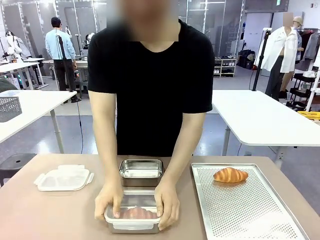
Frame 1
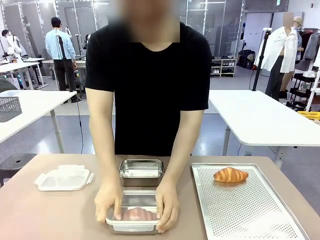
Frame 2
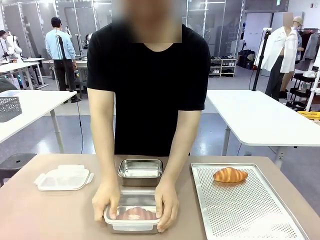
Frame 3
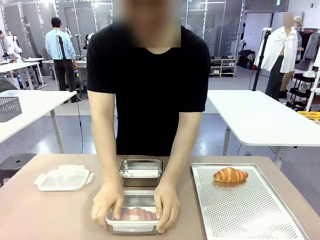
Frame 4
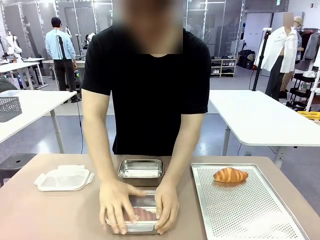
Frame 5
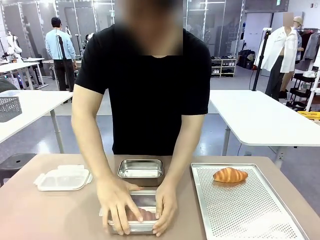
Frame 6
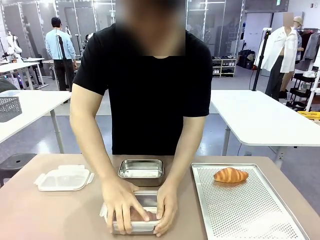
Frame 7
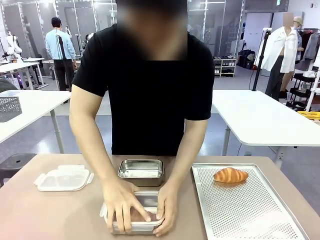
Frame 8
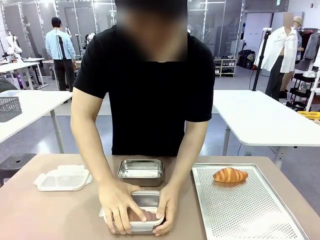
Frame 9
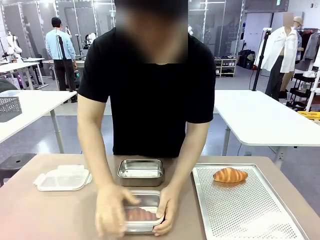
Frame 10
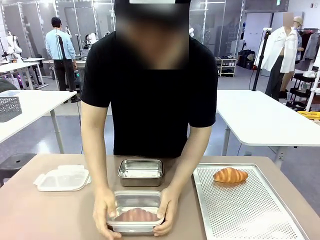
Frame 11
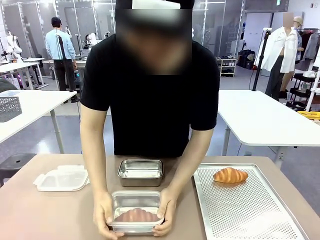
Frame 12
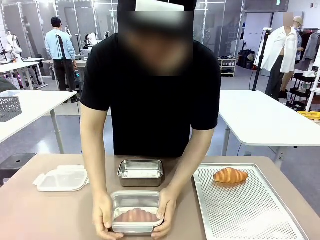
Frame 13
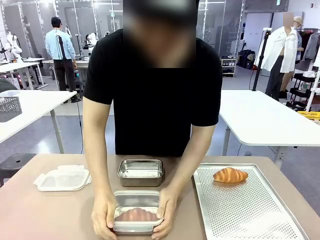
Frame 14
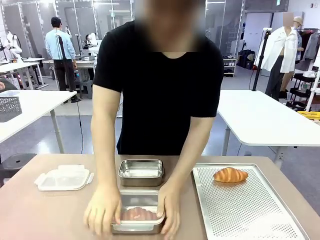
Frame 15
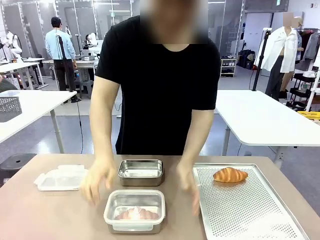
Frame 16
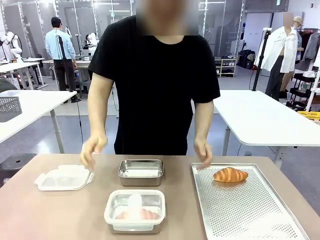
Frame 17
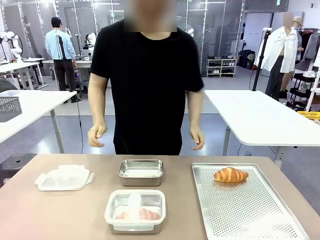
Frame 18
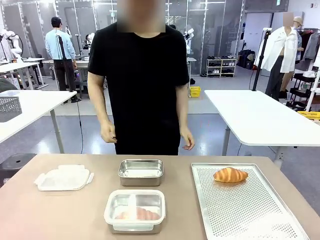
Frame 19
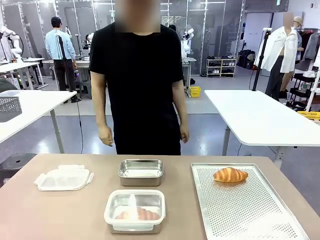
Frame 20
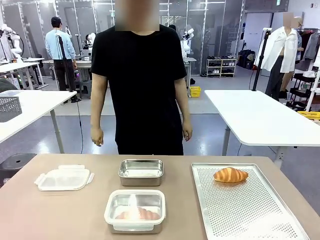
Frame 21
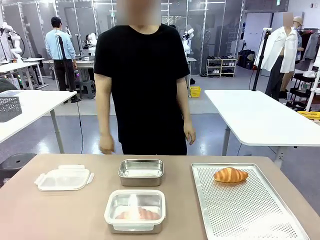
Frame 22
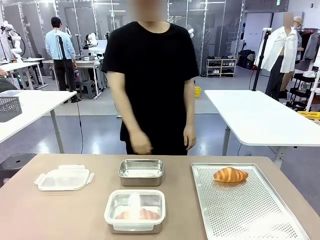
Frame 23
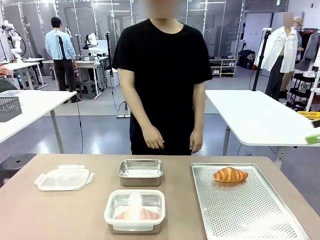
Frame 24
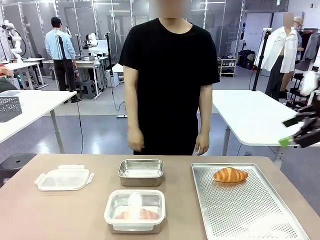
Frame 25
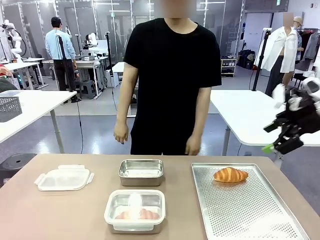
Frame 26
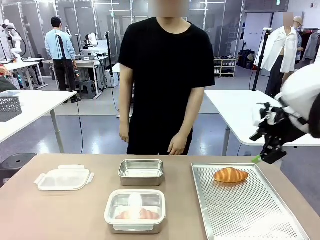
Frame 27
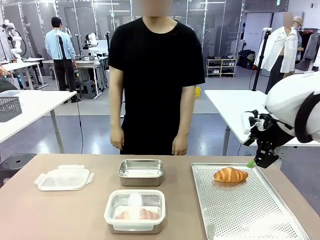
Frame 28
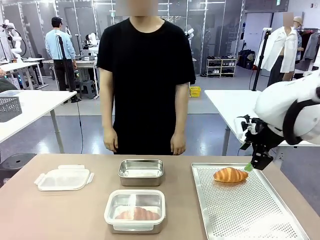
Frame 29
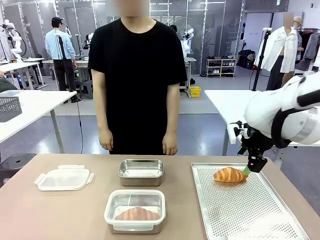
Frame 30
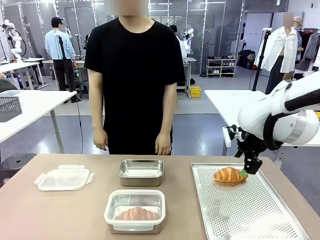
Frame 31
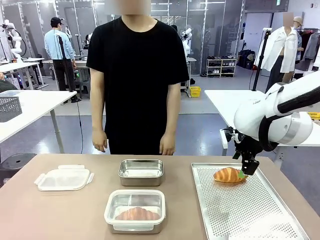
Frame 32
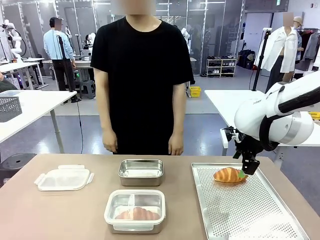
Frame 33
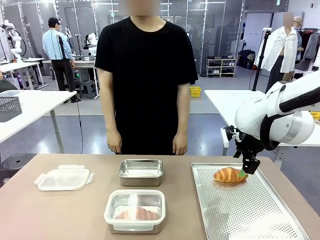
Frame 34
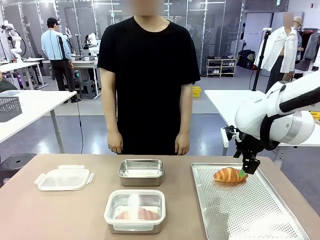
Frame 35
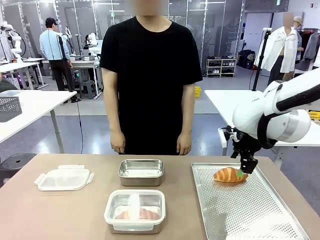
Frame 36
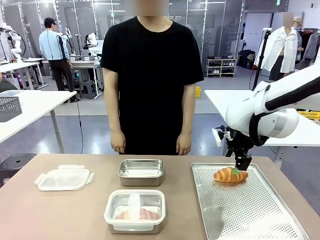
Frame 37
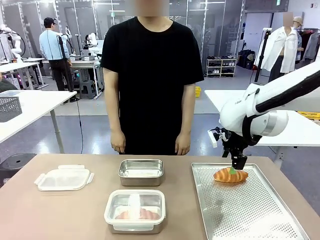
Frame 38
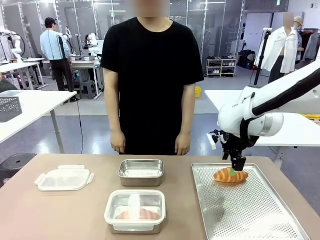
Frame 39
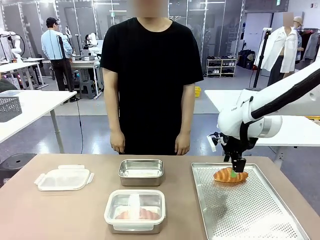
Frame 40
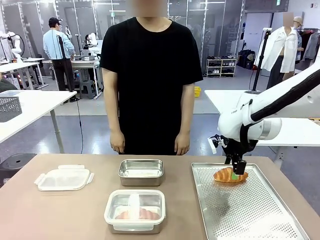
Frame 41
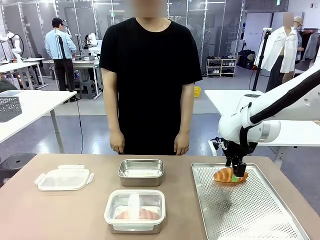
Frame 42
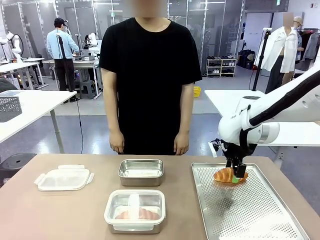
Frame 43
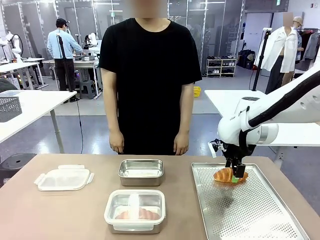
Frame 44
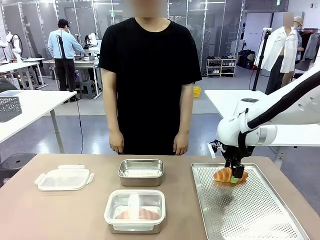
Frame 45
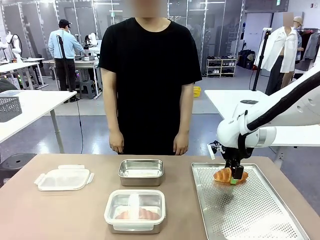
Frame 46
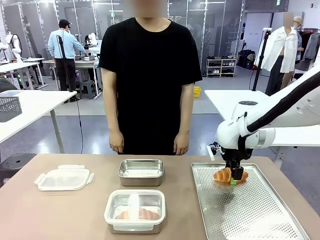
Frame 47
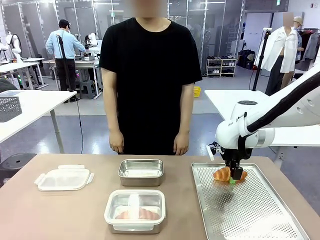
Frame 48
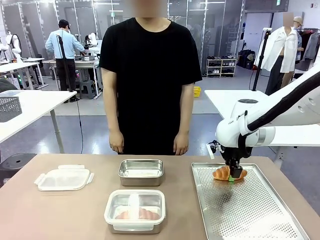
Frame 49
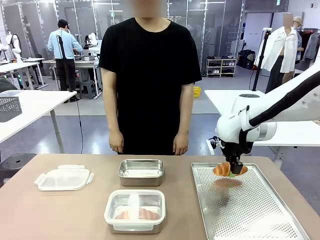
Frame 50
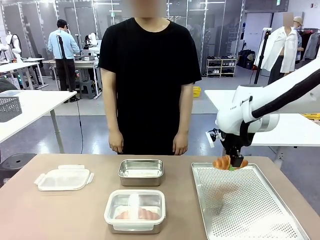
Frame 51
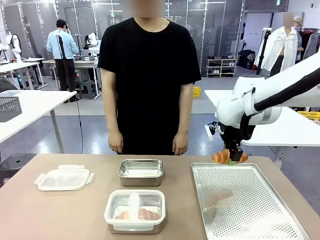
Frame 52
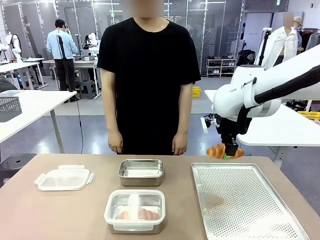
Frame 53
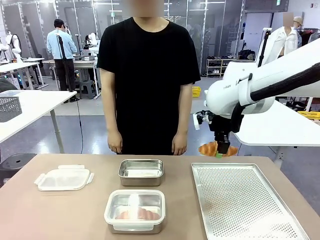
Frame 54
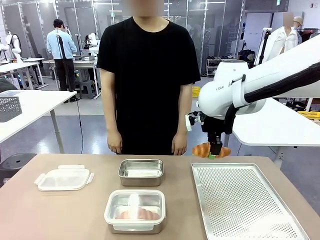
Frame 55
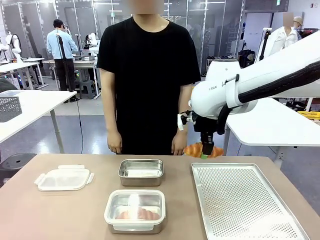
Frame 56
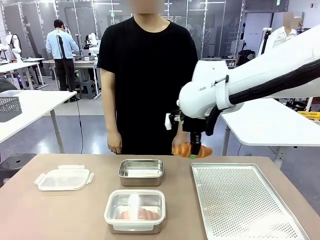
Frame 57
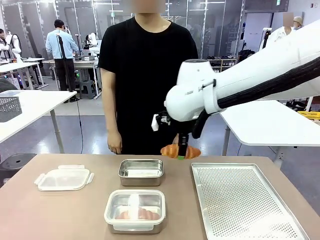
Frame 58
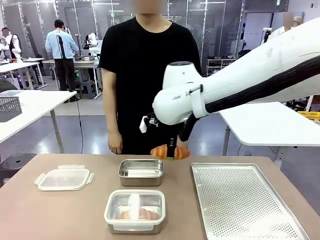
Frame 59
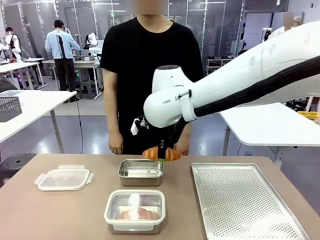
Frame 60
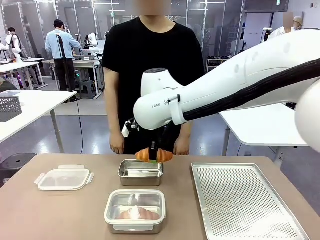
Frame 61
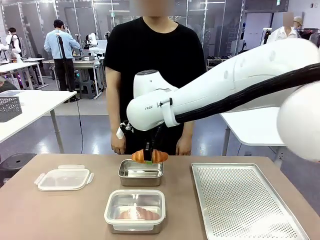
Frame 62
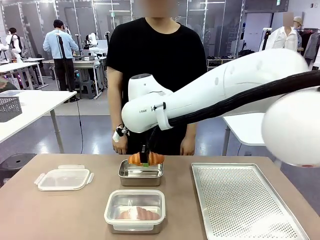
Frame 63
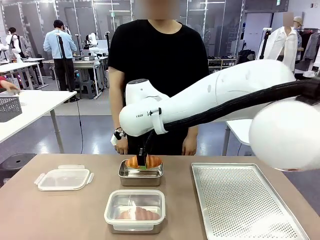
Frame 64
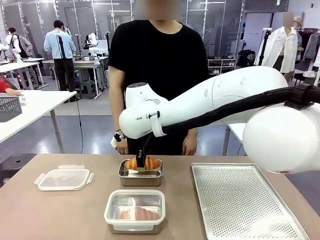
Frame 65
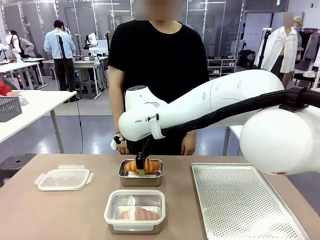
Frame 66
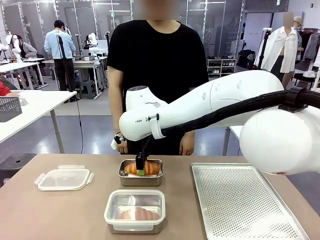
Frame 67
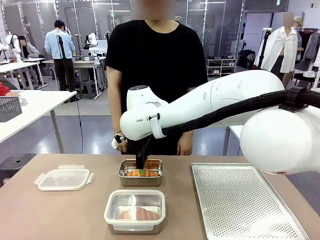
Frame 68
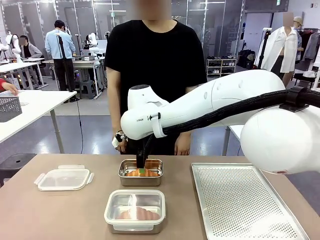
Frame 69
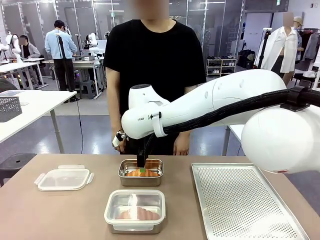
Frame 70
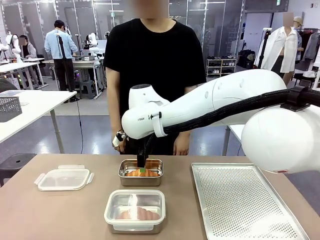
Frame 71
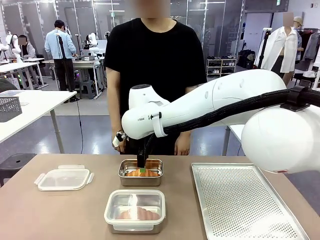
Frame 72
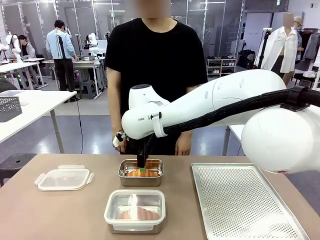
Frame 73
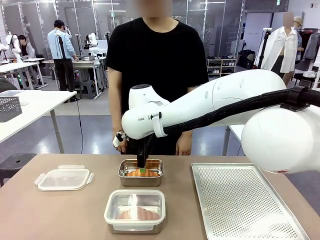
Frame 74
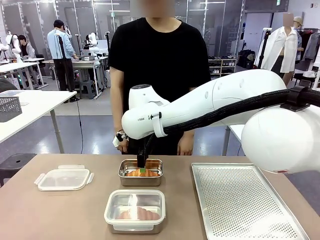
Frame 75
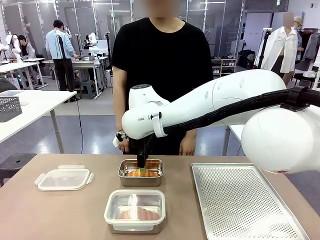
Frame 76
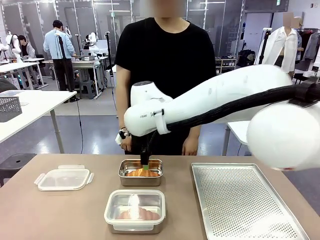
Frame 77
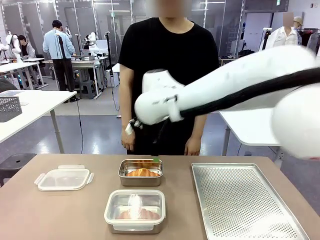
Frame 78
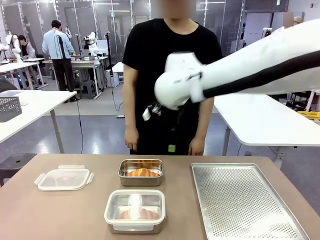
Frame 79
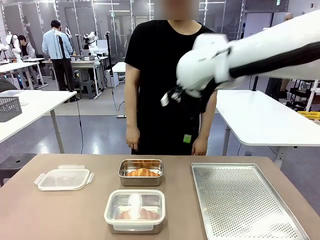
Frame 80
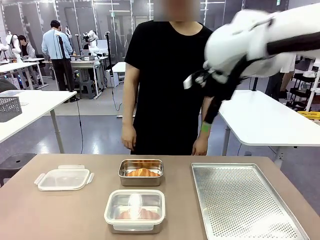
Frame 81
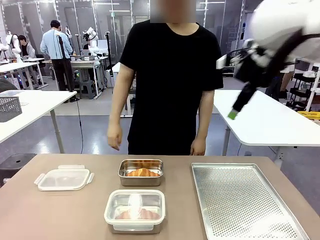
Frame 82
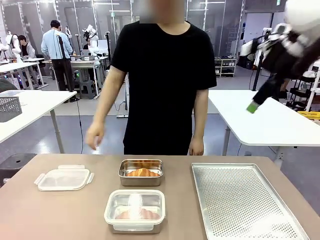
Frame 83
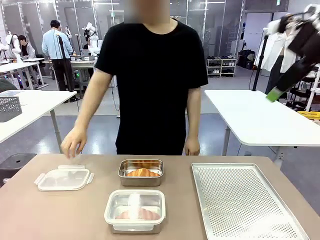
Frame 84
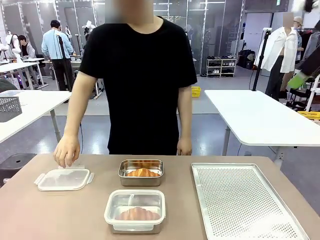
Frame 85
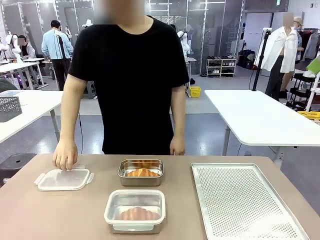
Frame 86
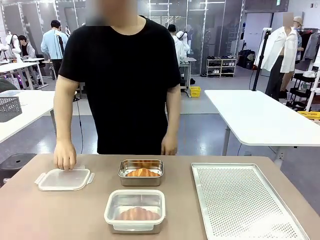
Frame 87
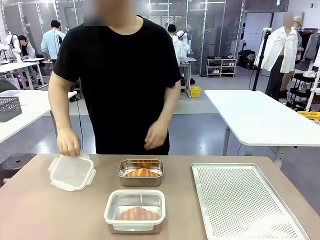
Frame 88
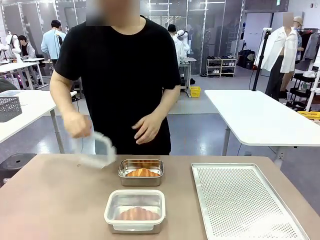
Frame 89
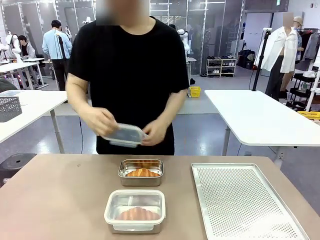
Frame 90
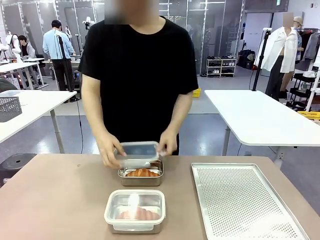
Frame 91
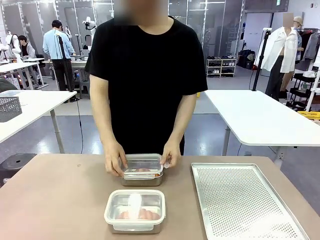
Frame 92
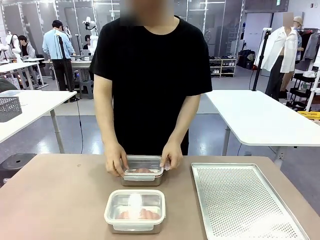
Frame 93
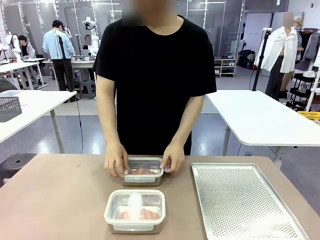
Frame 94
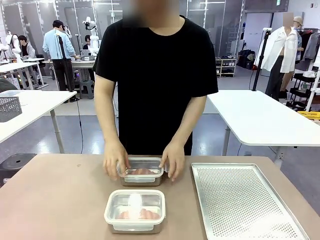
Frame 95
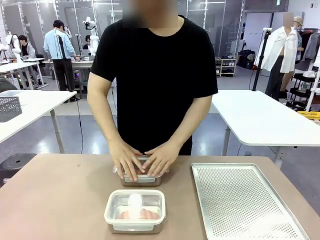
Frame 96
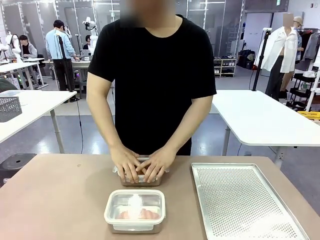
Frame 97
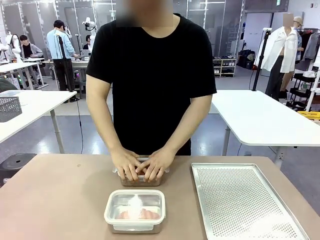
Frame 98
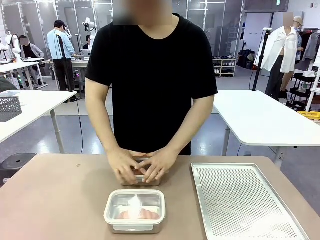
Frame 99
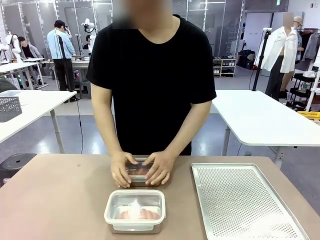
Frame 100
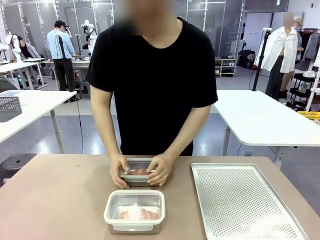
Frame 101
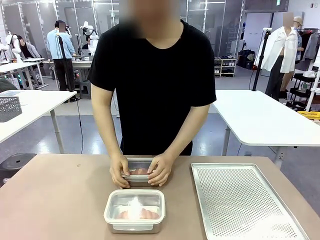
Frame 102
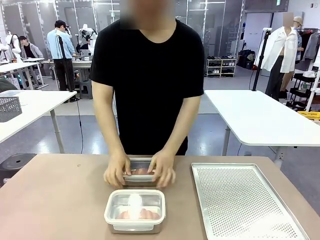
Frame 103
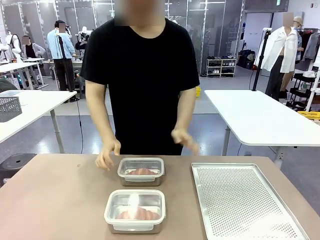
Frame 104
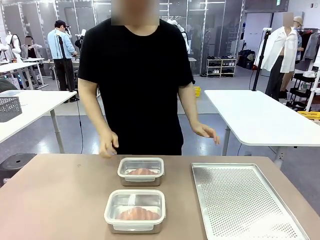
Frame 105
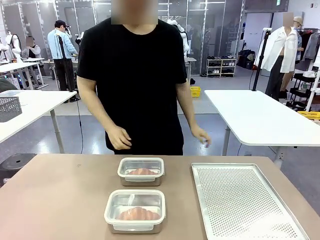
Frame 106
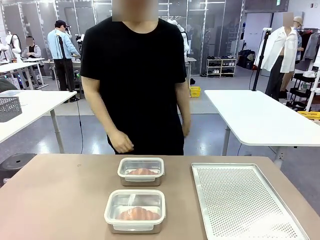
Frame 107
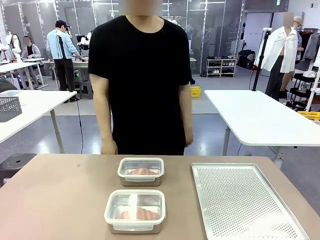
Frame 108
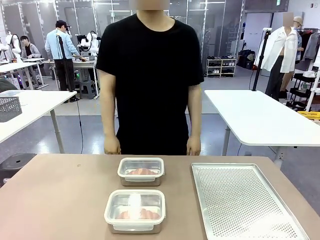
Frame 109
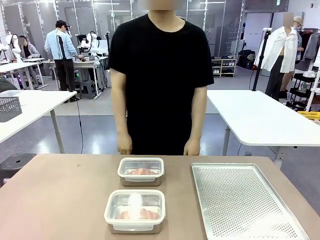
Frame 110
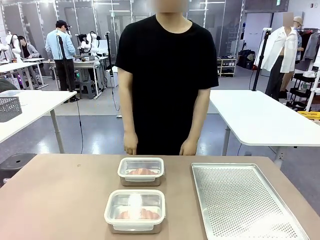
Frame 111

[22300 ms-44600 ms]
Task: Place the bread into the airtight container.
Robot: Pick up a Butter Roll and place it into an empty Airtight Container.
